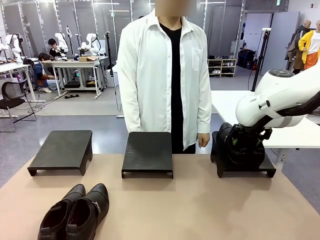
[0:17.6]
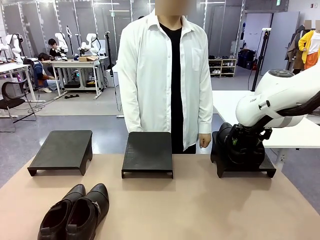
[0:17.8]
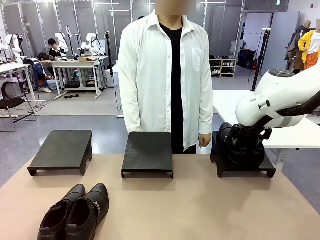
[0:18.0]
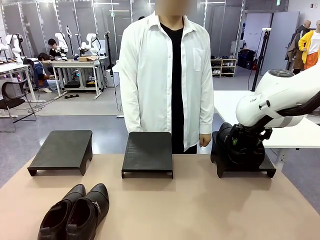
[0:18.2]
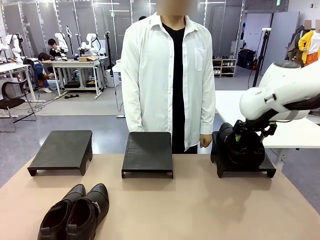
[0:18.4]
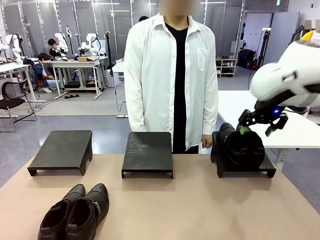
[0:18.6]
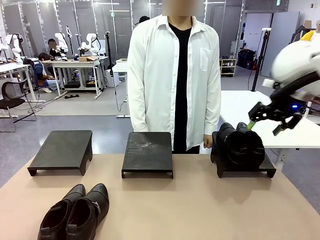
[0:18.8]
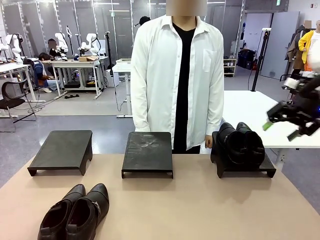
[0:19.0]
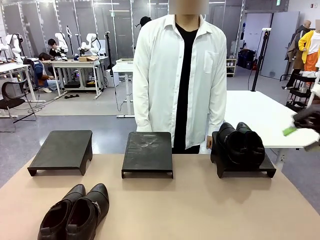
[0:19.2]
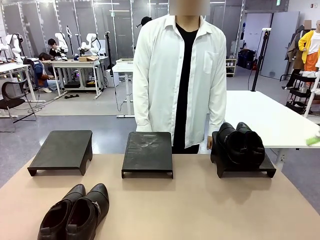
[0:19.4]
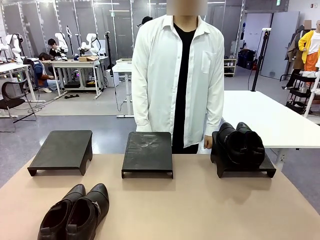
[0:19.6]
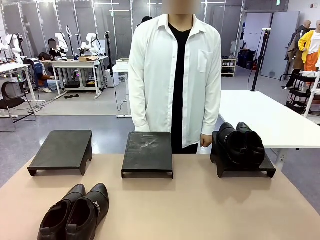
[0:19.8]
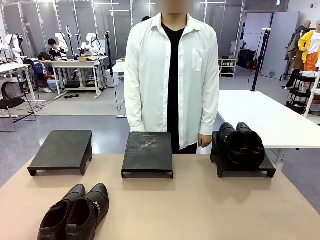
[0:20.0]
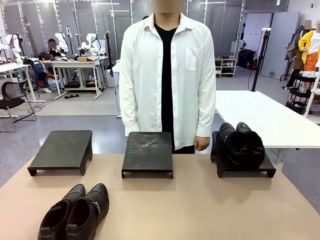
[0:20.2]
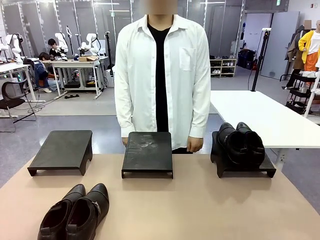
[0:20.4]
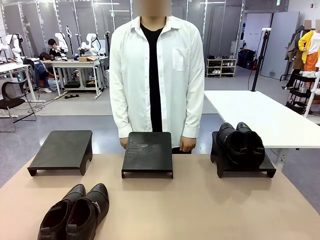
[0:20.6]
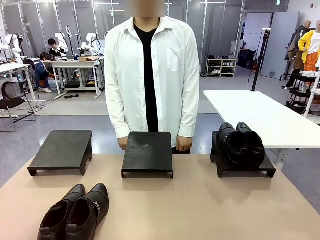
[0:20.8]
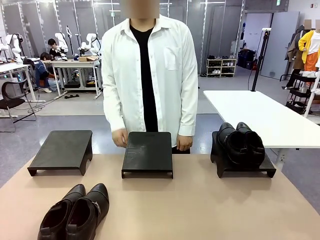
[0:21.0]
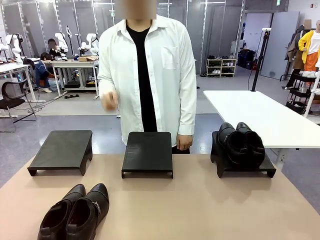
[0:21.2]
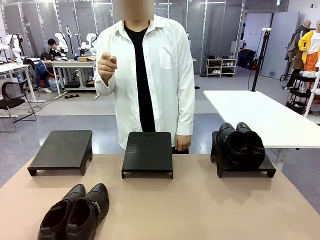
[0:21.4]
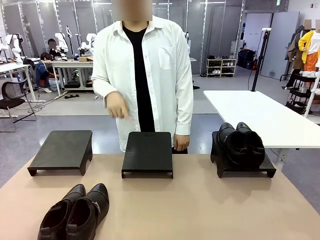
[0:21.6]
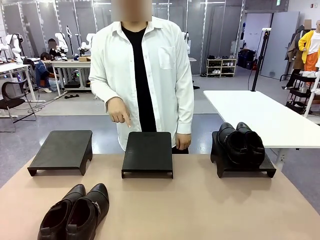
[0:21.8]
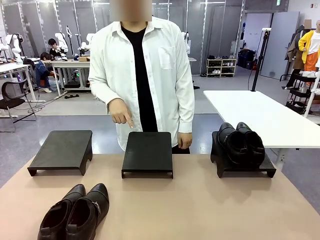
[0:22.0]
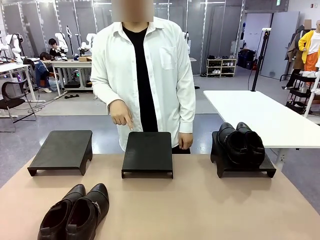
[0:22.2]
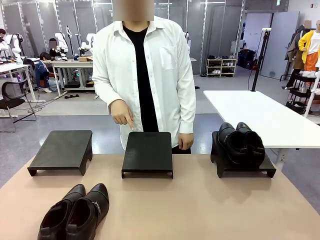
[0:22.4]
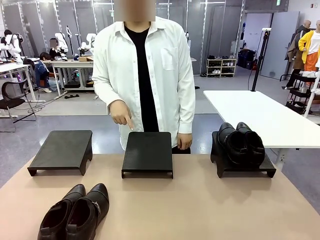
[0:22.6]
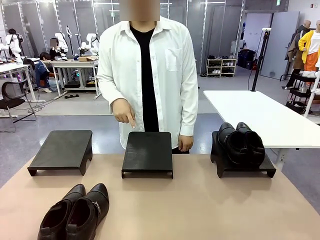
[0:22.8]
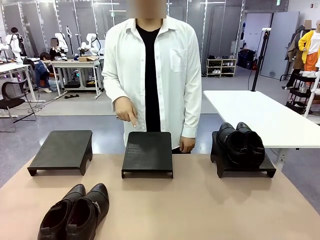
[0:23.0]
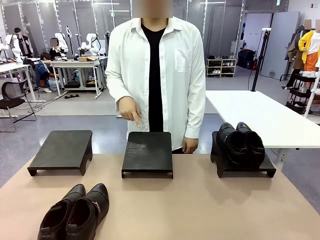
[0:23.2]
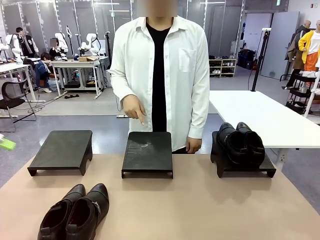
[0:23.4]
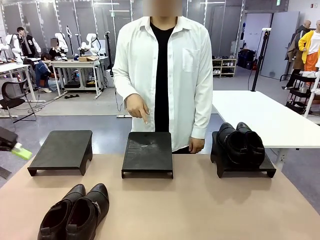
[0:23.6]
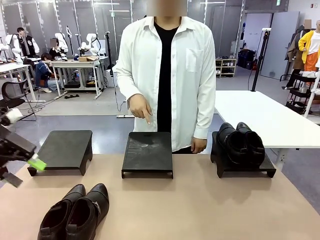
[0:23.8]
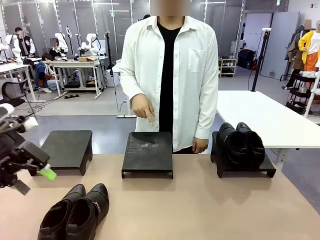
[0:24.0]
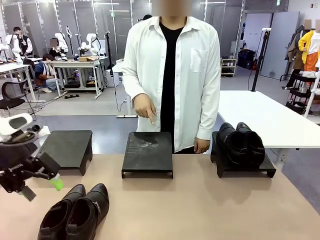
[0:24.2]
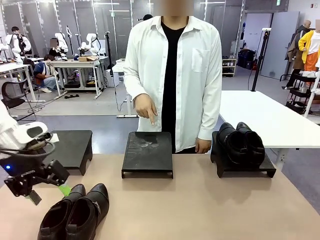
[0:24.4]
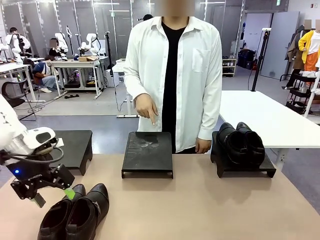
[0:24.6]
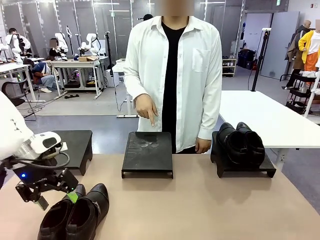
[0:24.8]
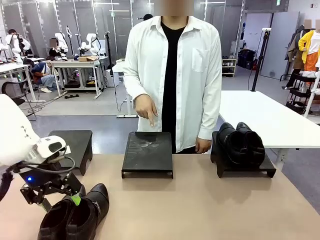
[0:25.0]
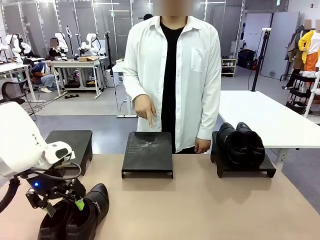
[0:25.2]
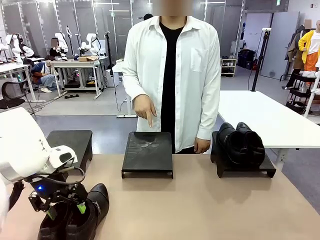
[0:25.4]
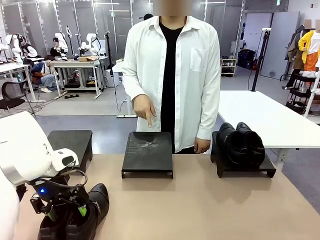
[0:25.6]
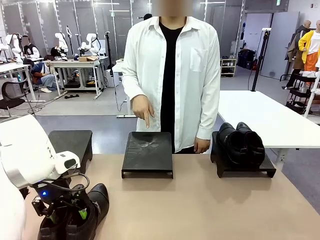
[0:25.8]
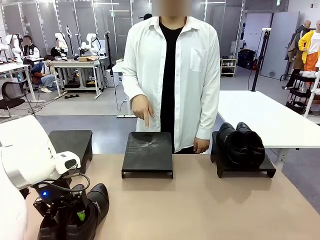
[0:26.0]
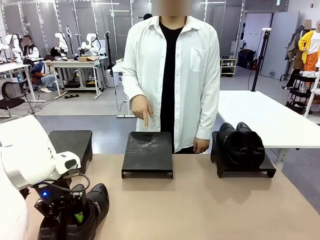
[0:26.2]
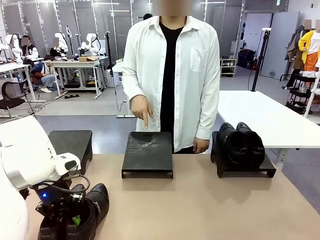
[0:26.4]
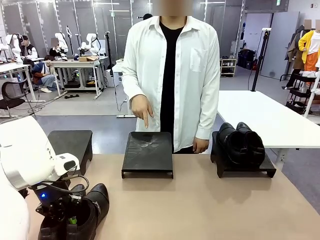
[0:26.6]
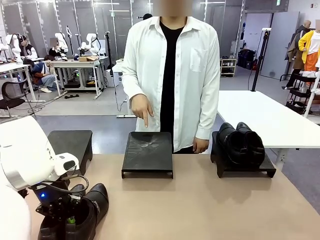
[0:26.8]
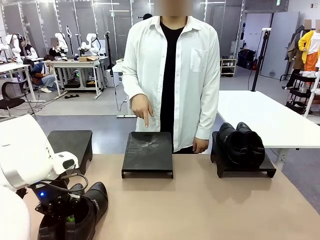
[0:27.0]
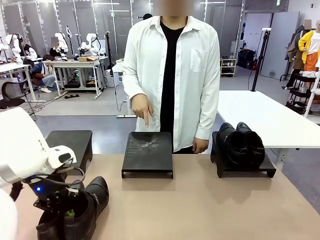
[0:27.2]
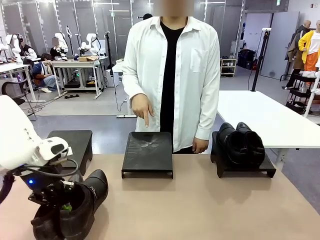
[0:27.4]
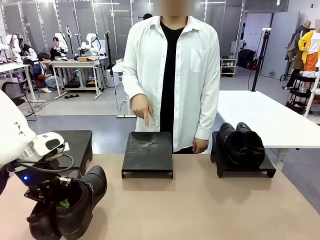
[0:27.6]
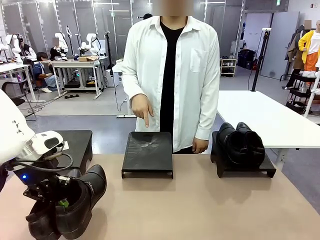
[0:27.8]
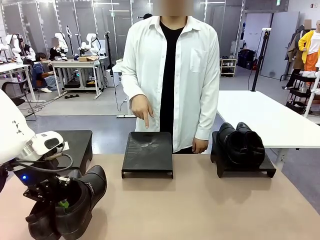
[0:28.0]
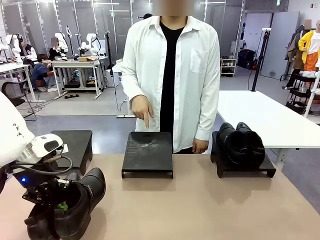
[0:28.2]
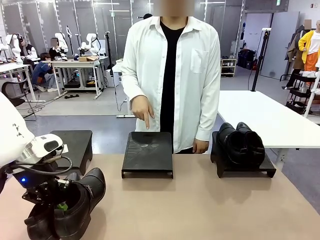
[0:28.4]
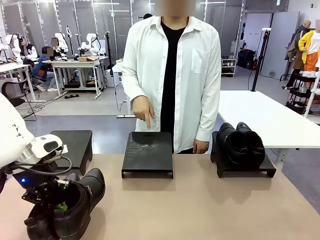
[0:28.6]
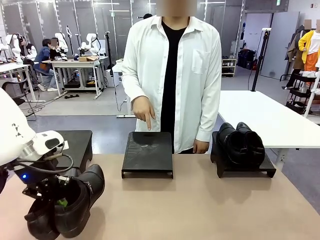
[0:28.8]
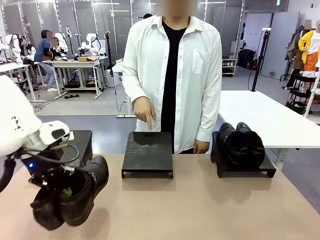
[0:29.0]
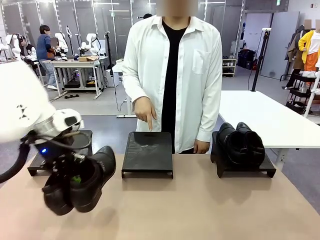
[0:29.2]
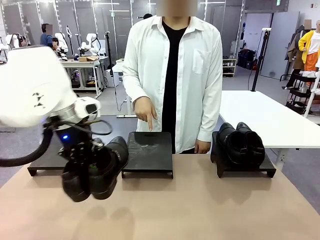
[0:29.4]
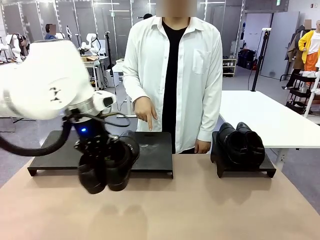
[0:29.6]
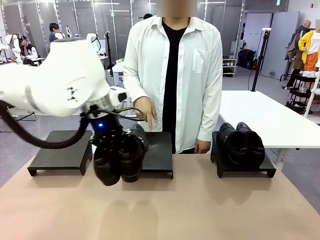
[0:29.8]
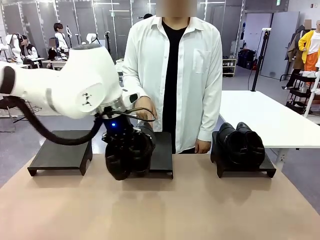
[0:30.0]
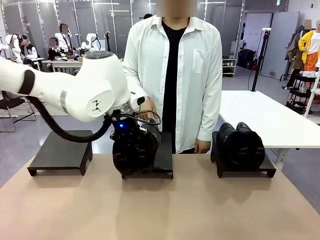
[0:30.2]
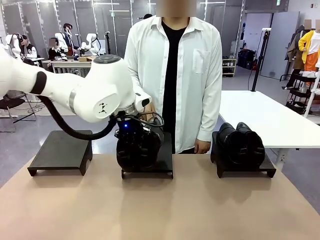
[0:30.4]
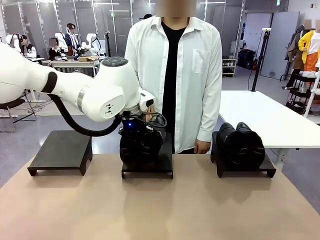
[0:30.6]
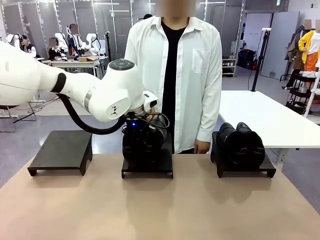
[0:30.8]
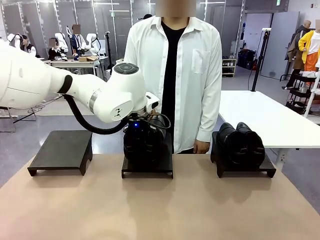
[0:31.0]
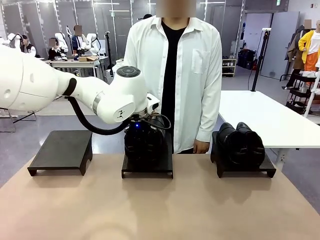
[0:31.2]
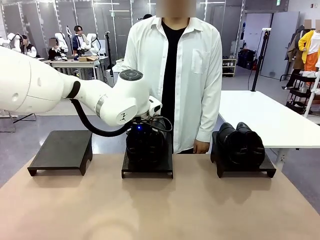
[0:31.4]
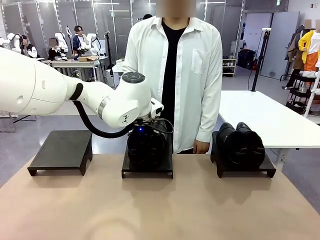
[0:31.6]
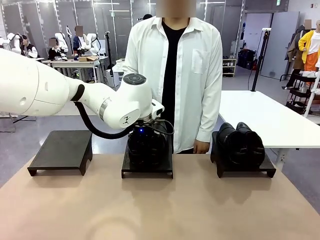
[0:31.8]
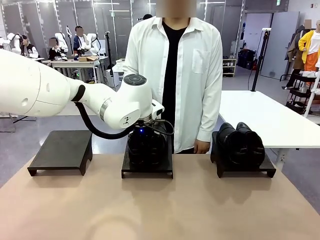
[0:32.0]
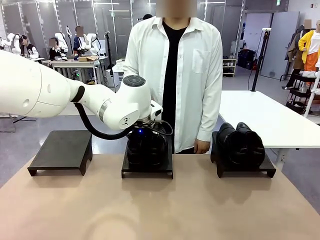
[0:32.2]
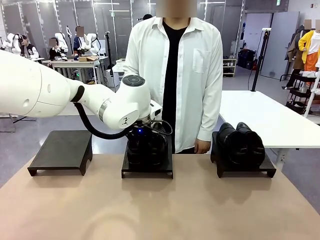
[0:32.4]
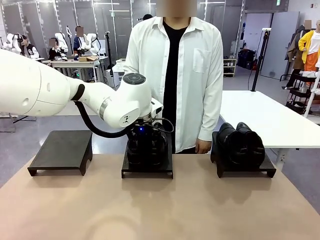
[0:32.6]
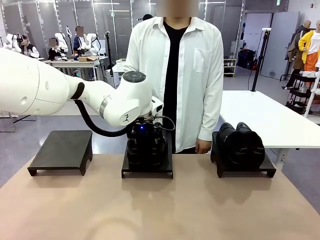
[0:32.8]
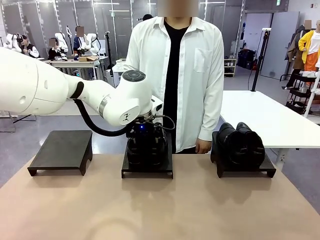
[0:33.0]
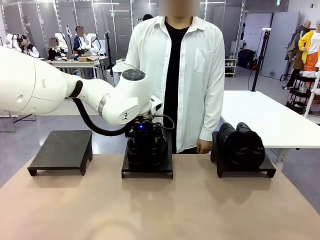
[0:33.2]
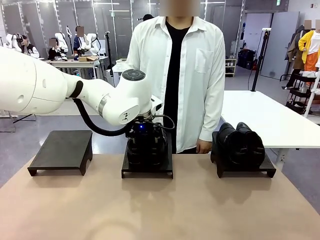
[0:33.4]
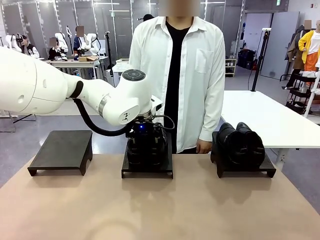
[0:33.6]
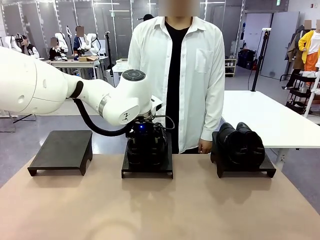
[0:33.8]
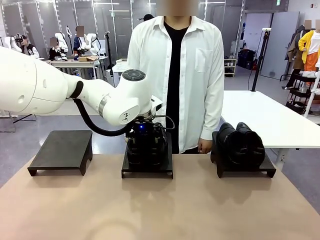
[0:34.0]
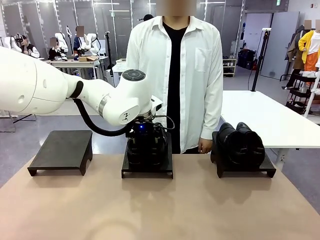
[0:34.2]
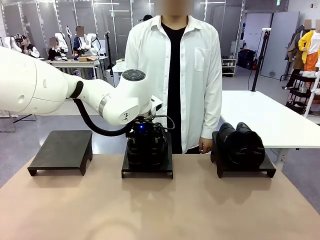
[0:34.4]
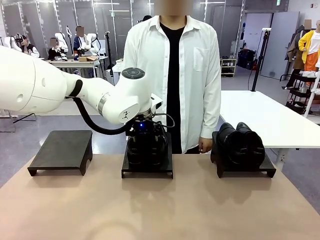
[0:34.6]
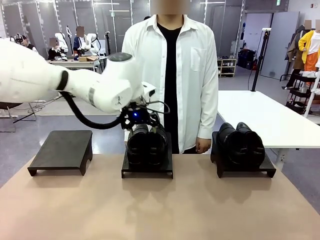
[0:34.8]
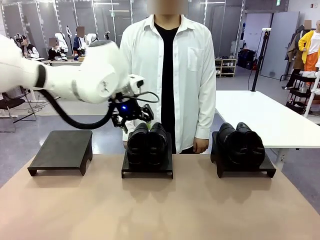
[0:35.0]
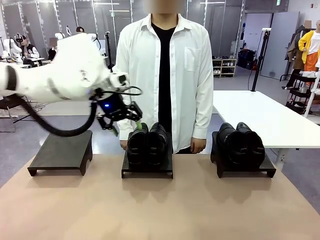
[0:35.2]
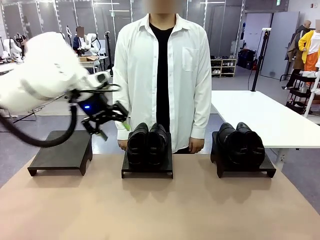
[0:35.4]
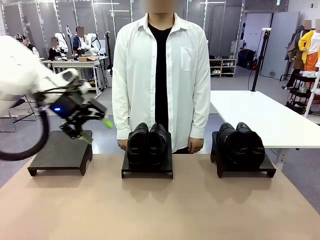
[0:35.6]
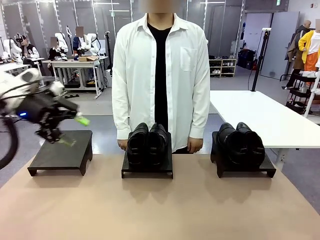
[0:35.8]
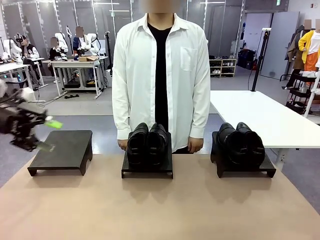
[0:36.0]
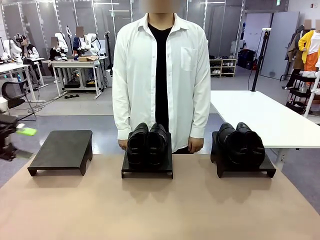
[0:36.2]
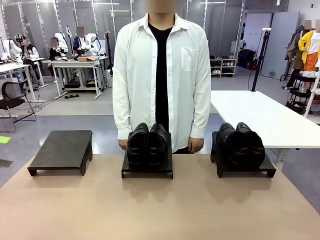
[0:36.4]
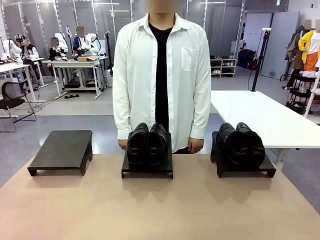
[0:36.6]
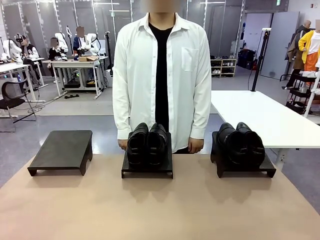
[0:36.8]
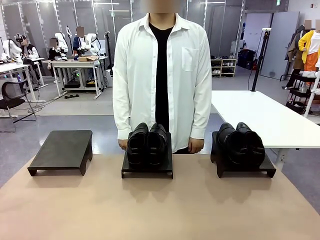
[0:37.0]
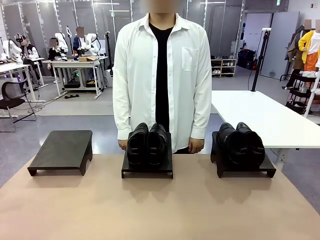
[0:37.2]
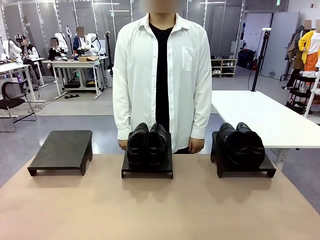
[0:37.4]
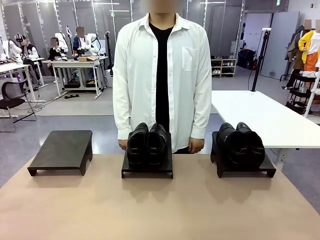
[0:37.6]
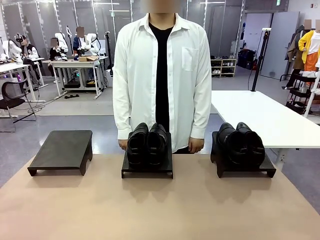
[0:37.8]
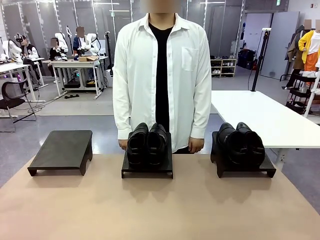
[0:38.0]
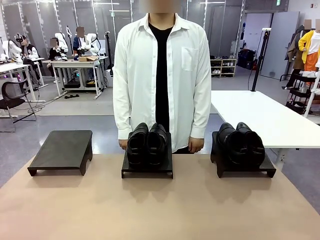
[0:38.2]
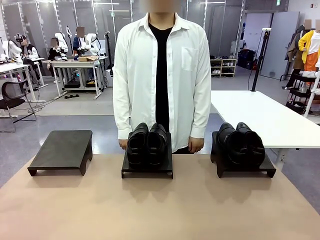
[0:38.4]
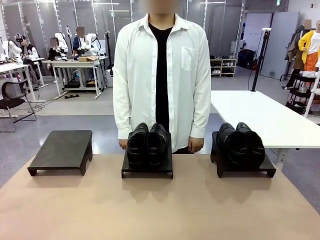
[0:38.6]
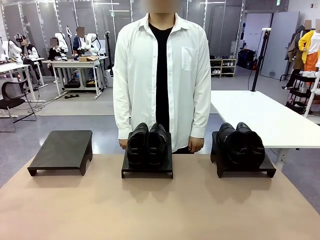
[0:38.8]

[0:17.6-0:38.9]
Task: Place the shoes on the stand as instructed by the person.
Robot: Pick up another pair of Shoes and place it on the Shoes Stand indicated by the person.
Person: Point to one Shoes Stand.
